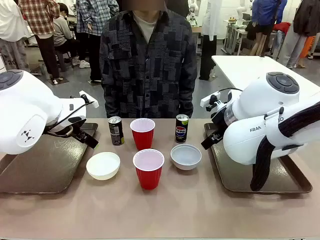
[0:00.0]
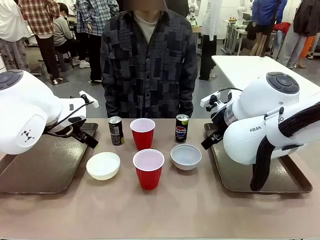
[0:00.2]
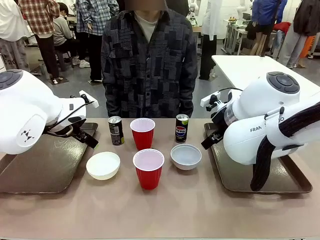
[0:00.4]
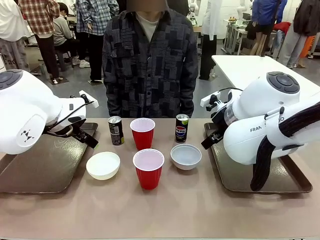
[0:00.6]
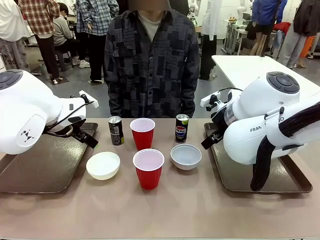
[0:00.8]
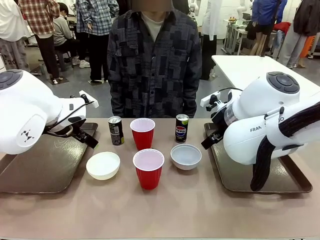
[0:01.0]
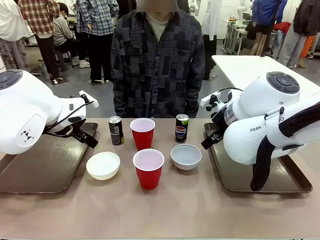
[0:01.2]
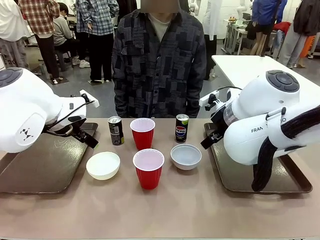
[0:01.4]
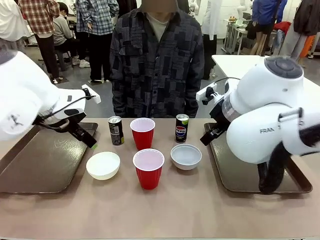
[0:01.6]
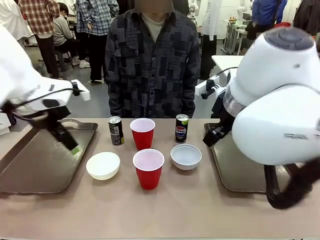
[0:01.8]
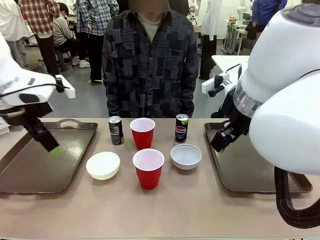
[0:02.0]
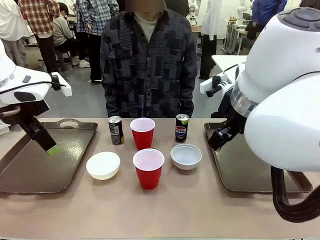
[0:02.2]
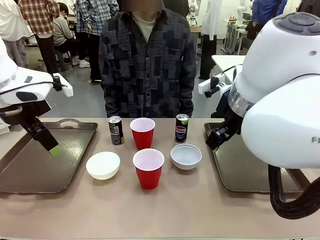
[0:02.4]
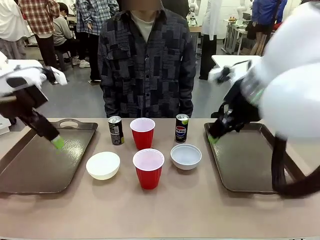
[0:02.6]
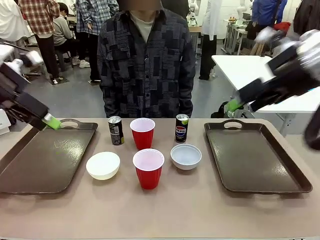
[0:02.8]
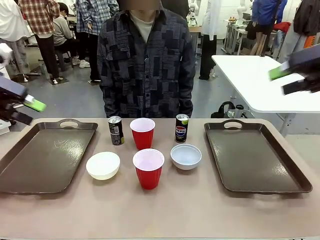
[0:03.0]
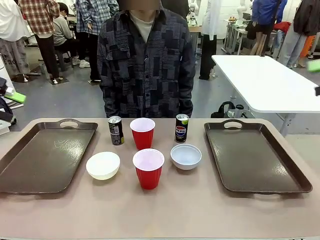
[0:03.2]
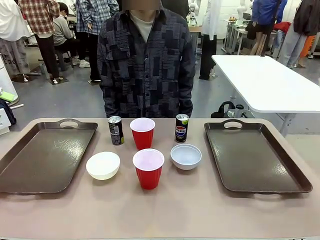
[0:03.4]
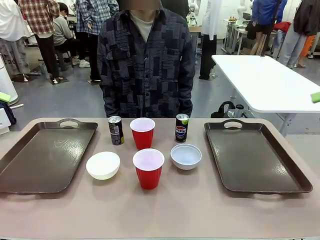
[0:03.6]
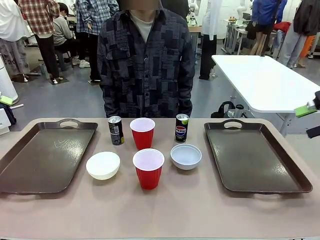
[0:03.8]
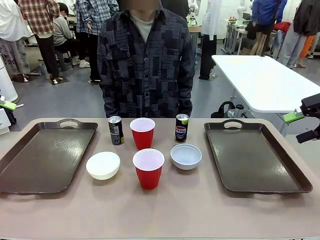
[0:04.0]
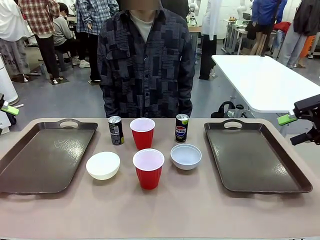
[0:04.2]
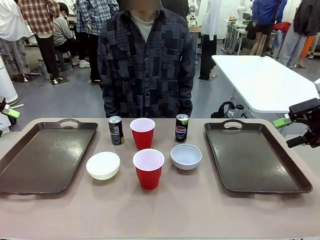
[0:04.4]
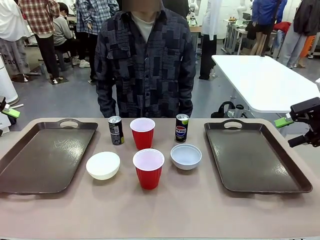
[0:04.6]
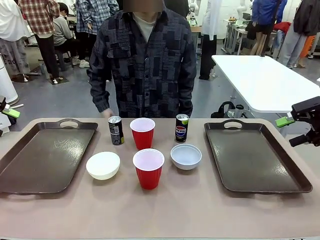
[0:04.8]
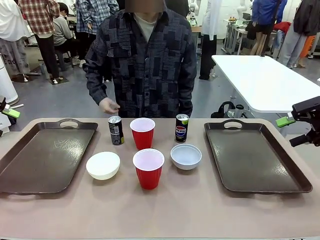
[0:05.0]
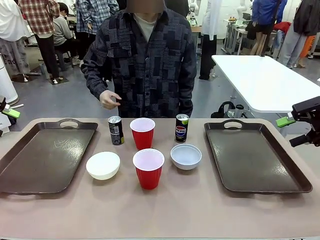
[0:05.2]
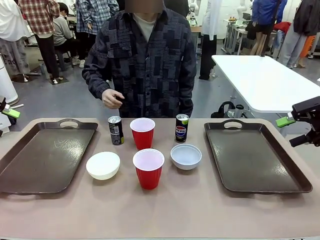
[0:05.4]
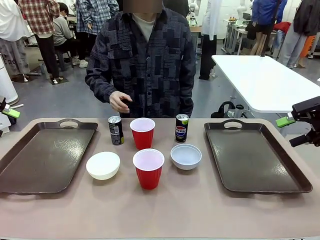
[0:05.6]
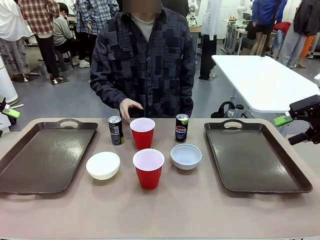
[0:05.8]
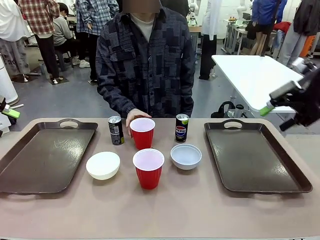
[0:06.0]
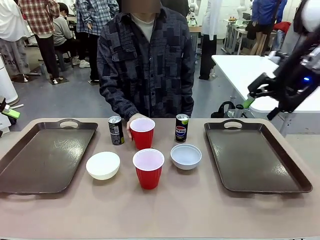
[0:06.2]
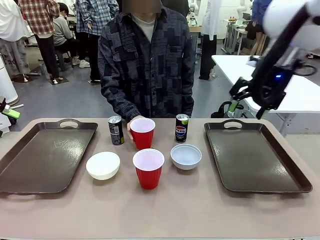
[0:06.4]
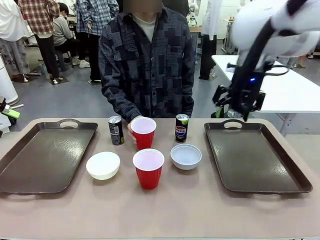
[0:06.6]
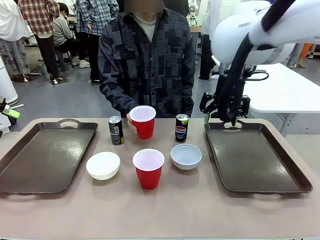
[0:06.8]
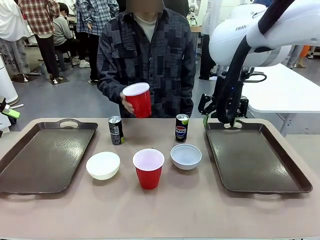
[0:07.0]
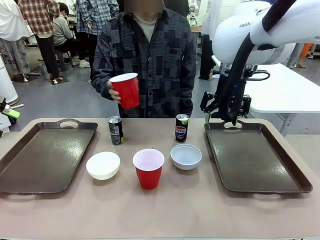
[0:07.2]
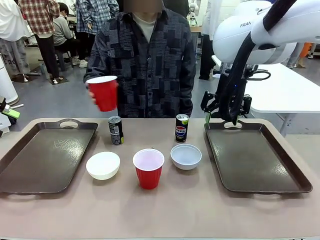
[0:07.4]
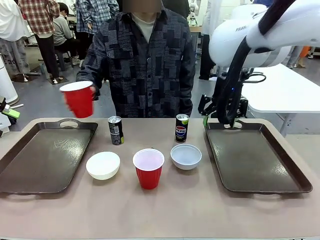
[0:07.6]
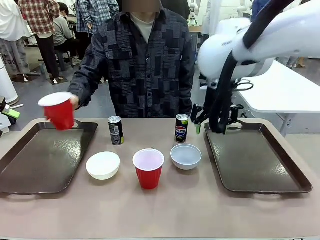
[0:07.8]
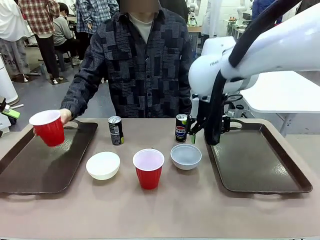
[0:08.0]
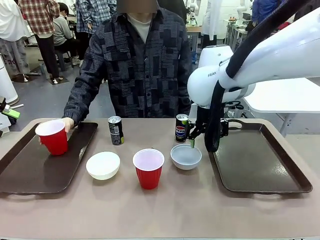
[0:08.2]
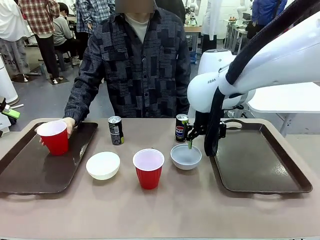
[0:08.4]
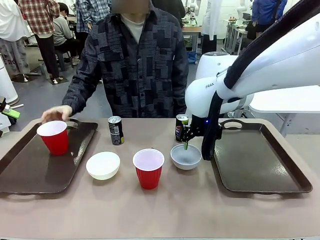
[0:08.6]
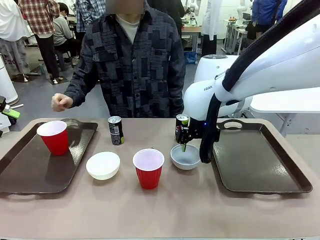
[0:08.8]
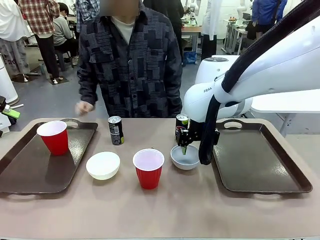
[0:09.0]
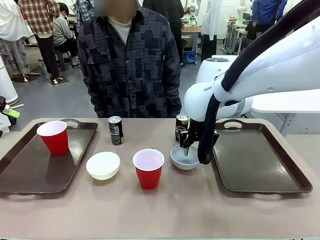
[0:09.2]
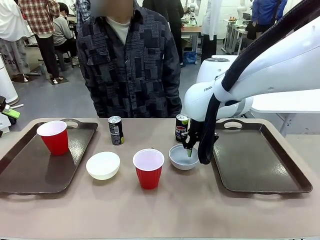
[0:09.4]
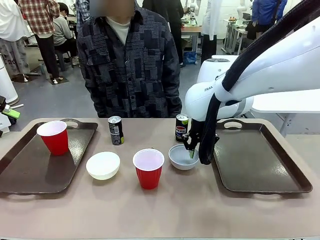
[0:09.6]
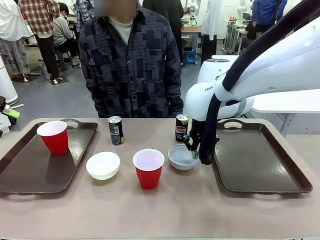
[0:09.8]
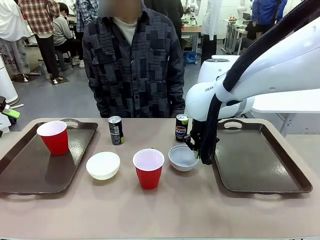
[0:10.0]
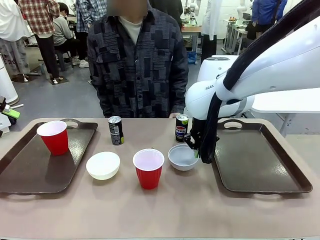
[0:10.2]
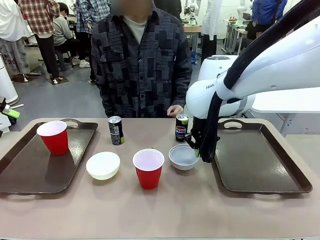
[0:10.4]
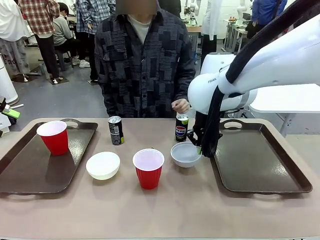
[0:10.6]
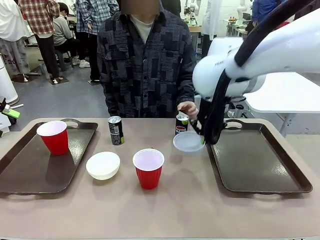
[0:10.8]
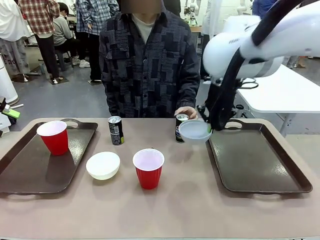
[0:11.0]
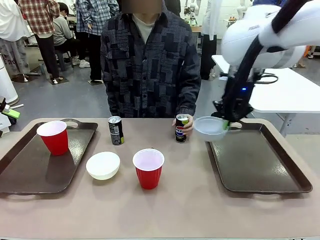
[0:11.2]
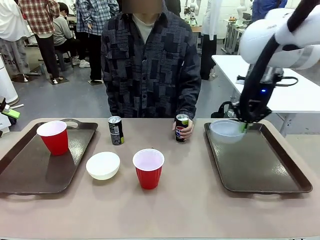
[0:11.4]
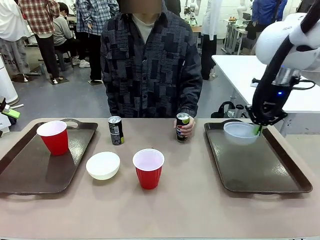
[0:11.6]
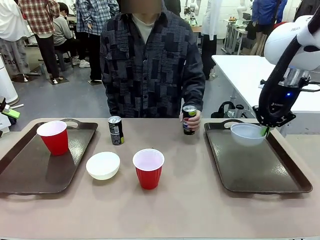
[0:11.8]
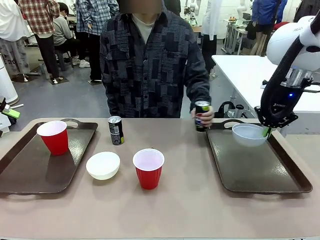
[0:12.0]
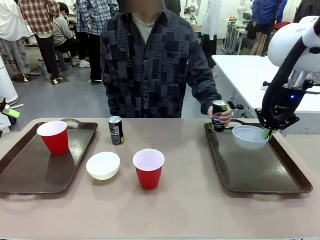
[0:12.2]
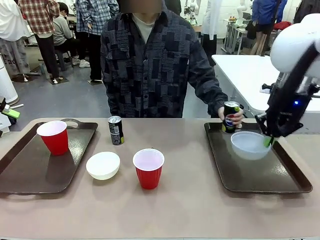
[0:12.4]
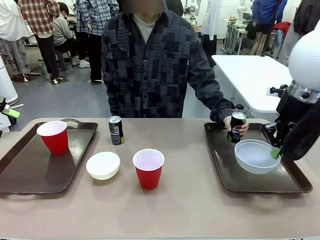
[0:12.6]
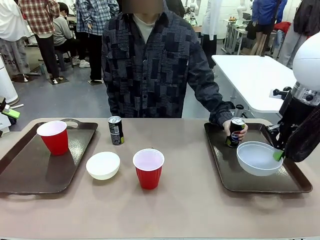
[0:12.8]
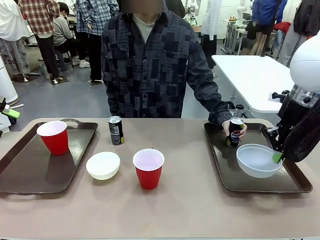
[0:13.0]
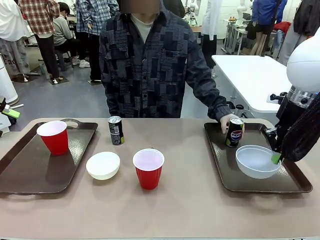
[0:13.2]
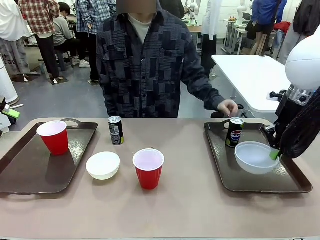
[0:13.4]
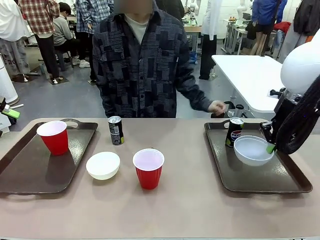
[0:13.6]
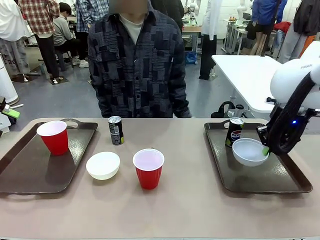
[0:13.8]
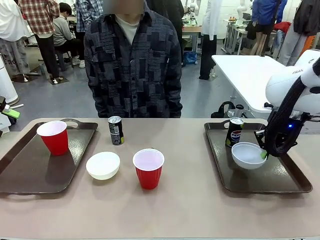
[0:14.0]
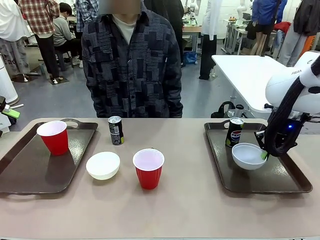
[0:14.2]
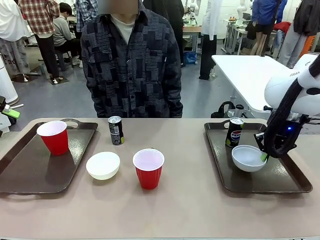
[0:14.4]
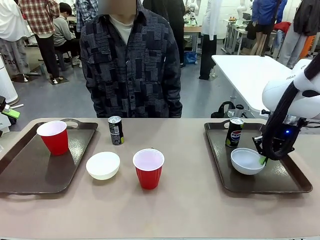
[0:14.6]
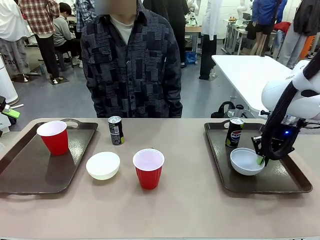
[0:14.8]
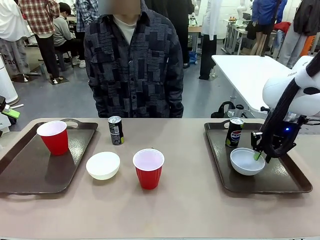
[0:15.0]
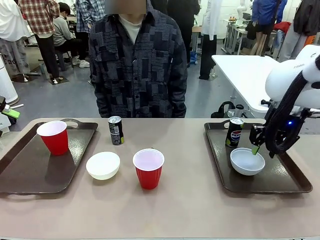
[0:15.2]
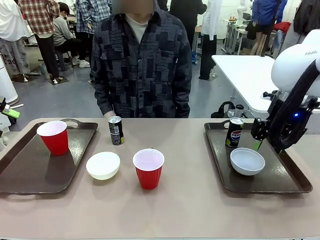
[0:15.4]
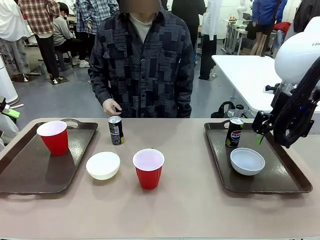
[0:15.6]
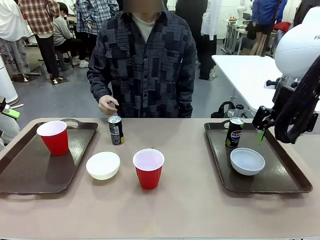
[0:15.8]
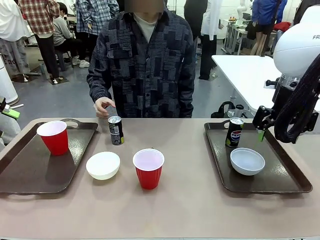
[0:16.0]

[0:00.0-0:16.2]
Task: Prepare tableware on both trays.
Robot: Pick up a Picnic Bowl from the table and place it on a Handle tray.
Person: Pick up a can or cup and place it on the tray.
